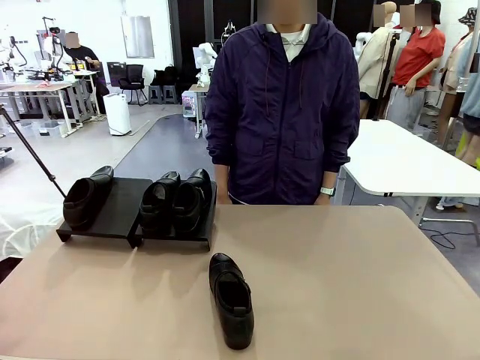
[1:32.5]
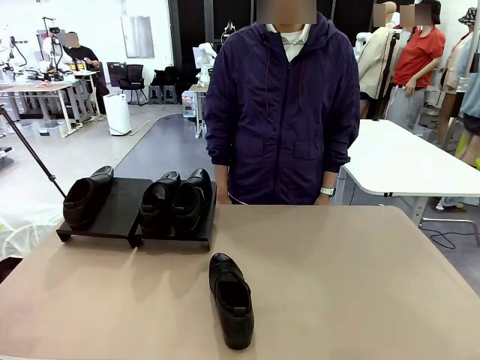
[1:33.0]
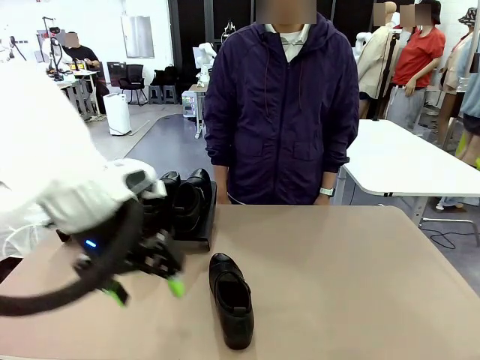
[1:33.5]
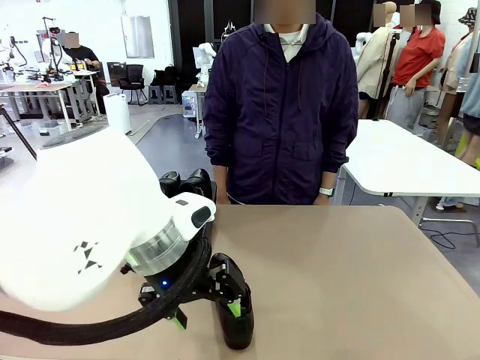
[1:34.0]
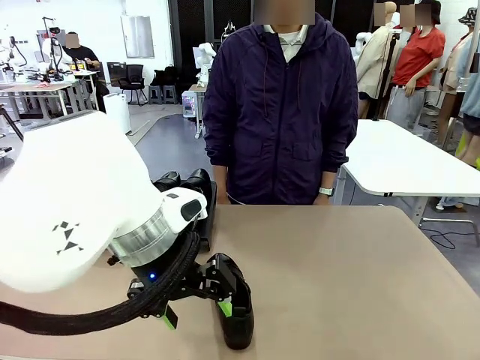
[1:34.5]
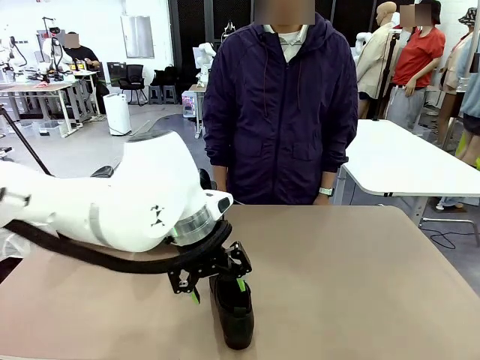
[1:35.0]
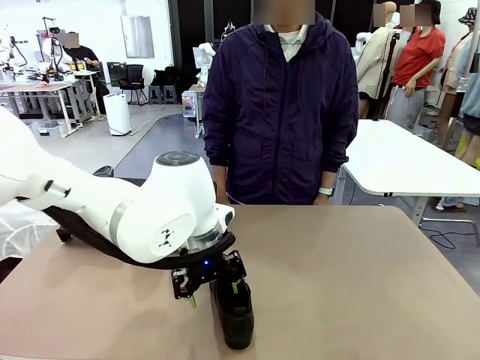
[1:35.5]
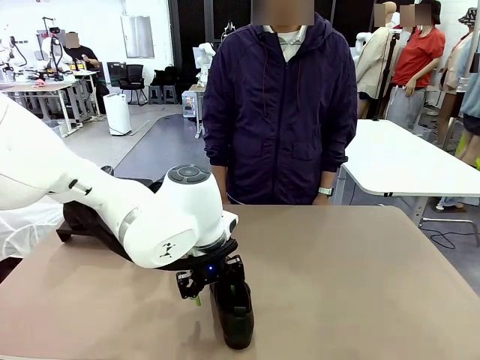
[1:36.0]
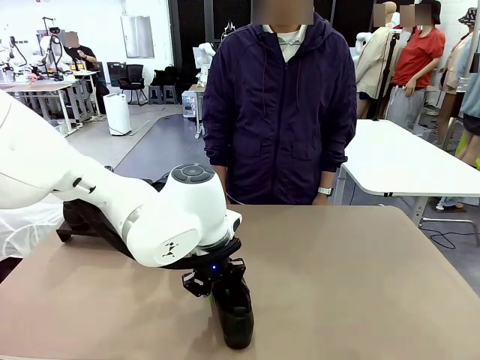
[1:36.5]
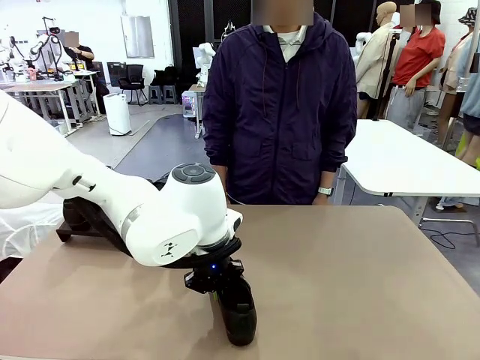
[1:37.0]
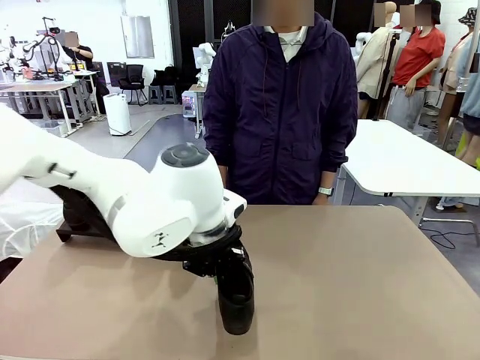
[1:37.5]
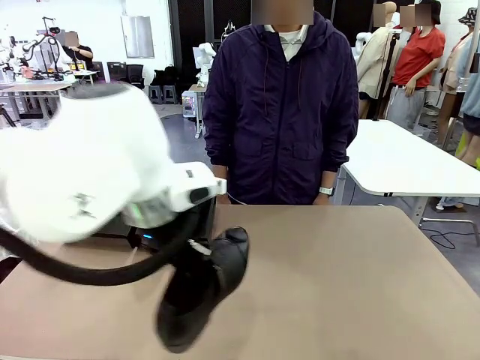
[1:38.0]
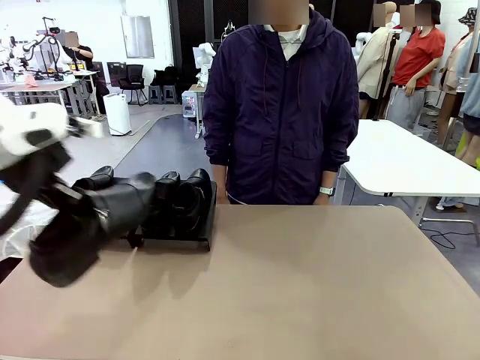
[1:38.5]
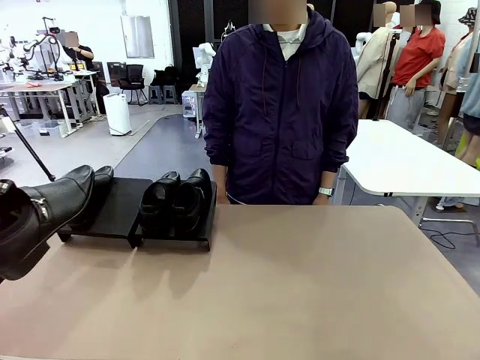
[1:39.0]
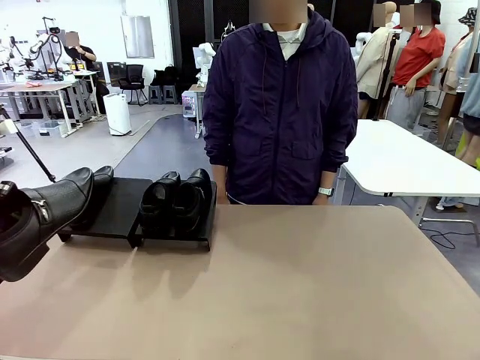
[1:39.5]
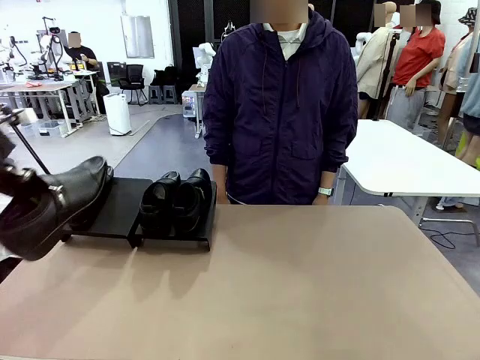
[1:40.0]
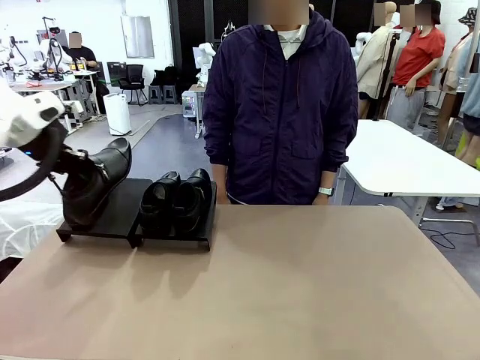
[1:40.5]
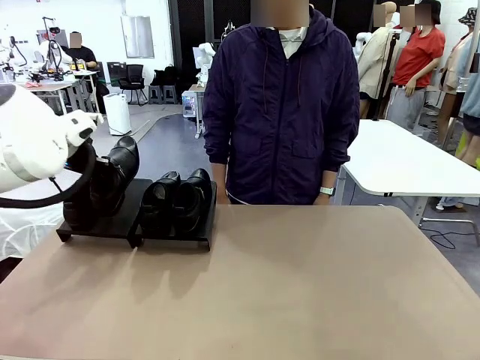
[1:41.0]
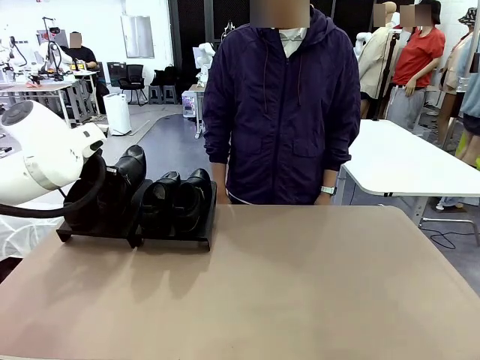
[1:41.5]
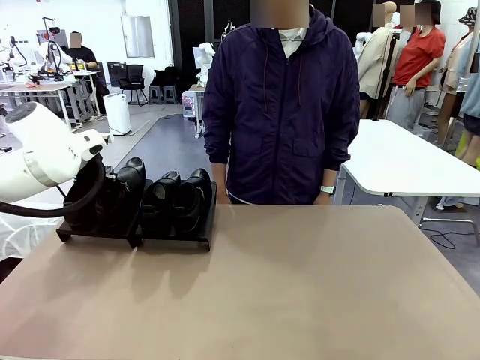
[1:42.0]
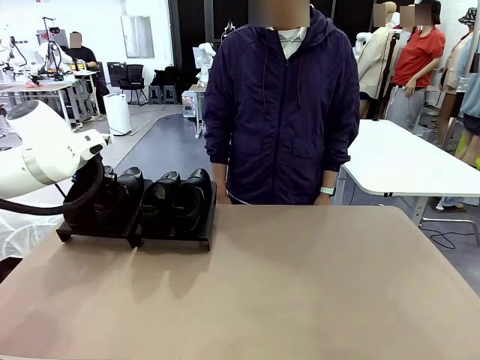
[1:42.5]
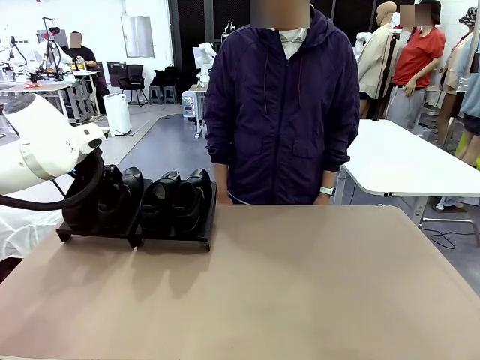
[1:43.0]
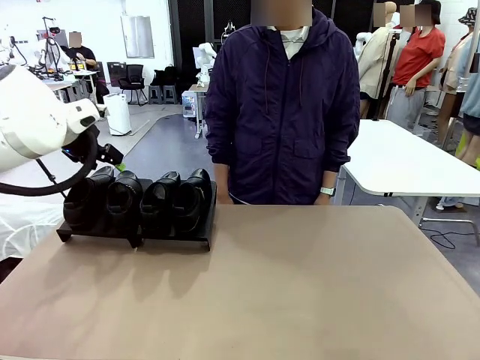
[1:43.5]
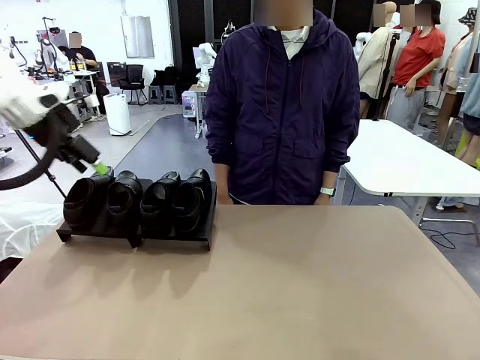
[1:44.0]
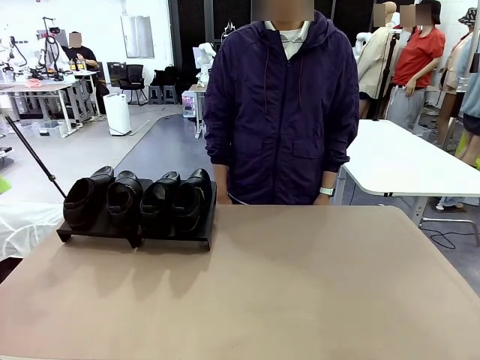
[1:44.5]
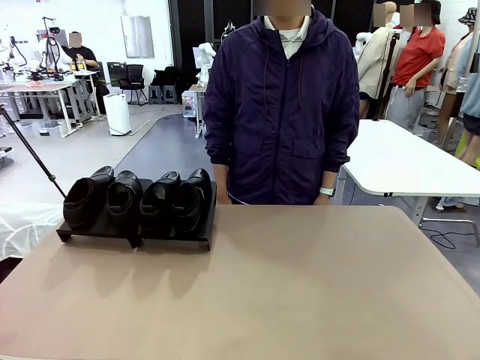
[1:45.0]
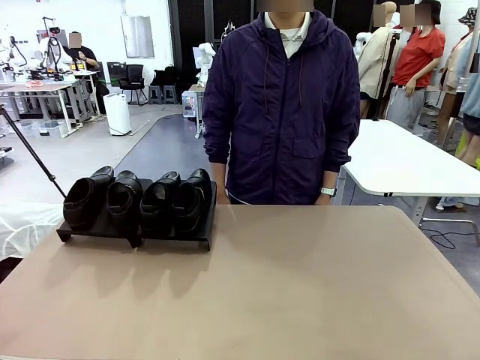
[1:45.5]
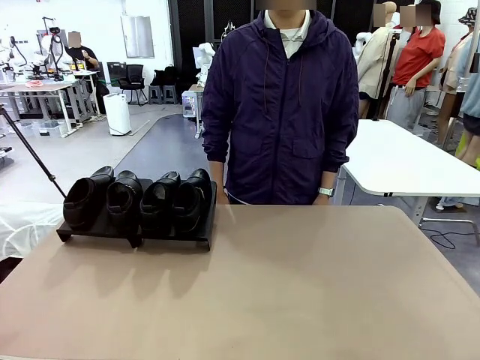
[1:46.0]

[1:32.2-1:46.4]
Task: Organize the shoes by placing them on the stand.
Robot: Place the Shoe from the middle of the table onto the Shoes Stand.

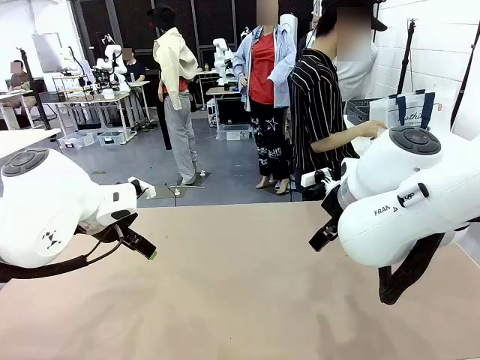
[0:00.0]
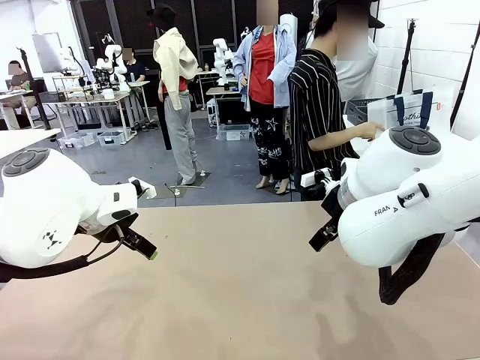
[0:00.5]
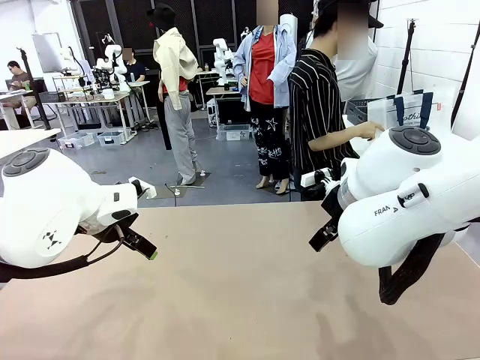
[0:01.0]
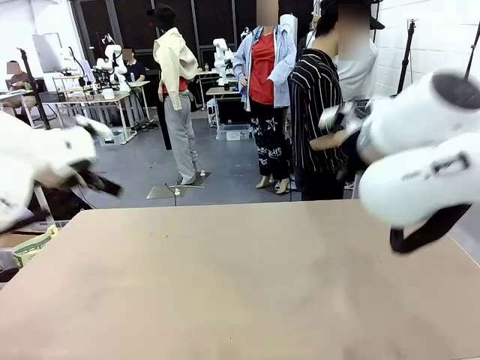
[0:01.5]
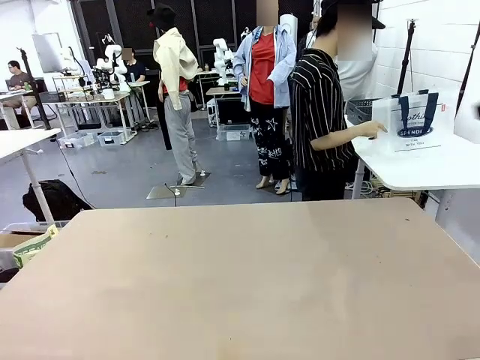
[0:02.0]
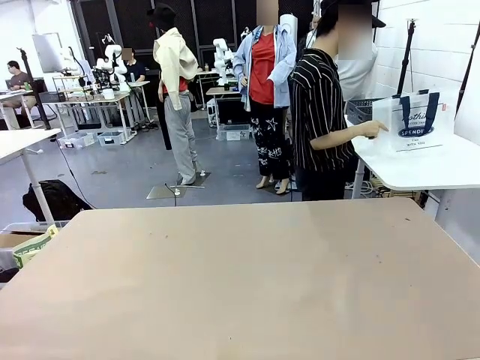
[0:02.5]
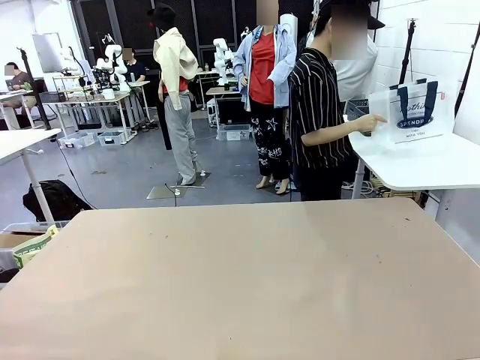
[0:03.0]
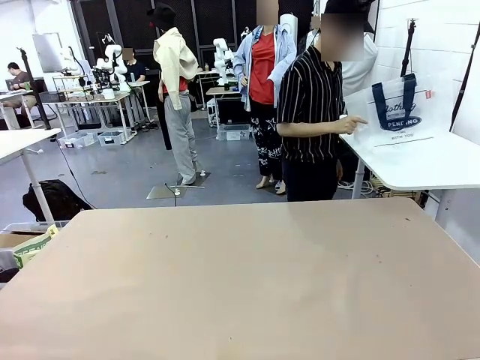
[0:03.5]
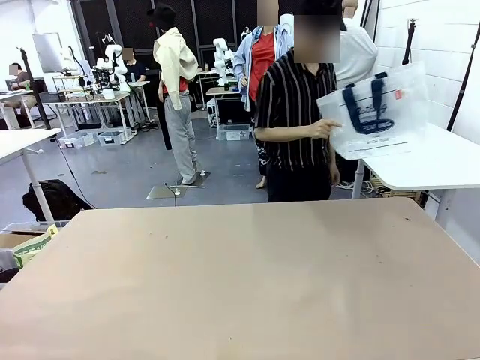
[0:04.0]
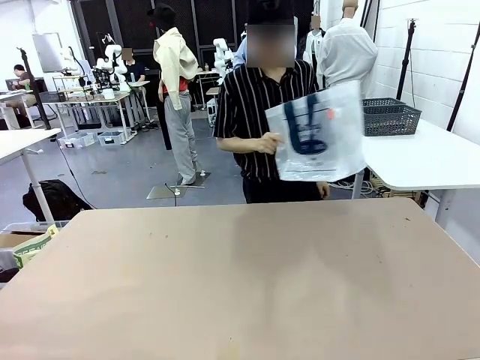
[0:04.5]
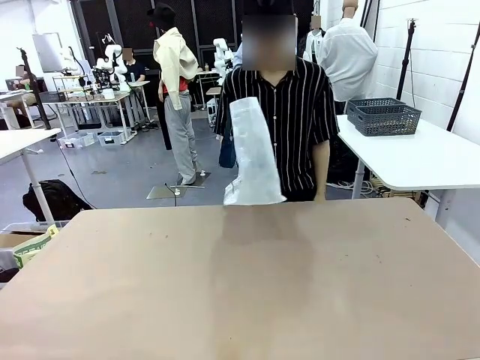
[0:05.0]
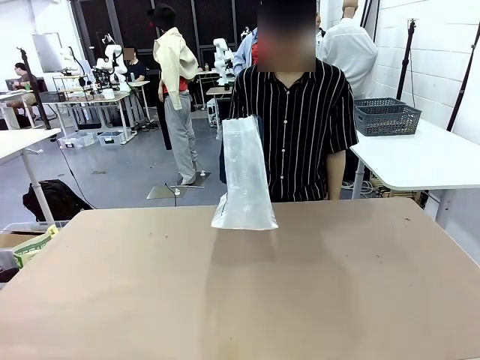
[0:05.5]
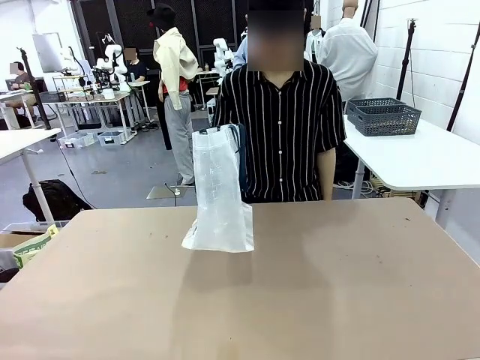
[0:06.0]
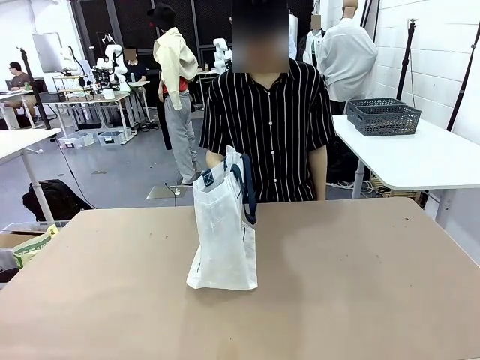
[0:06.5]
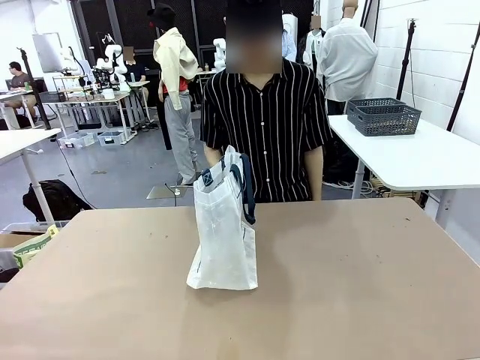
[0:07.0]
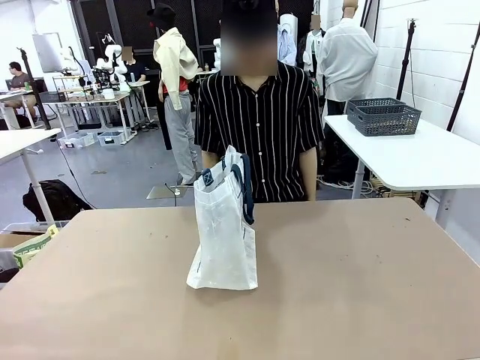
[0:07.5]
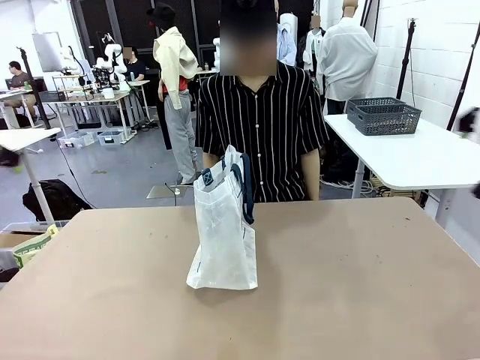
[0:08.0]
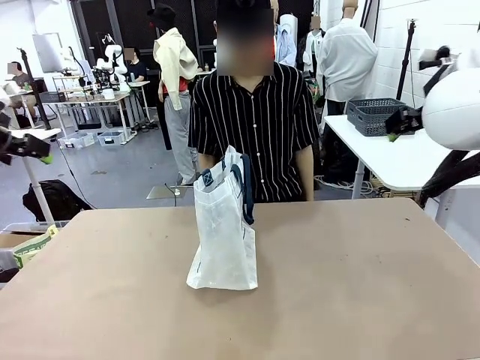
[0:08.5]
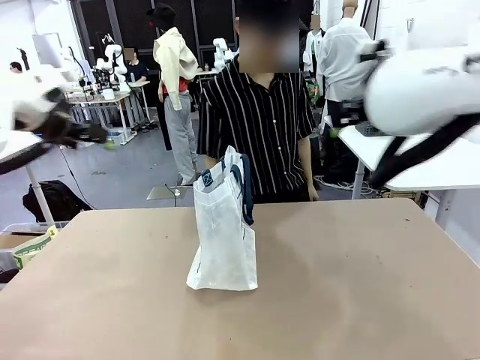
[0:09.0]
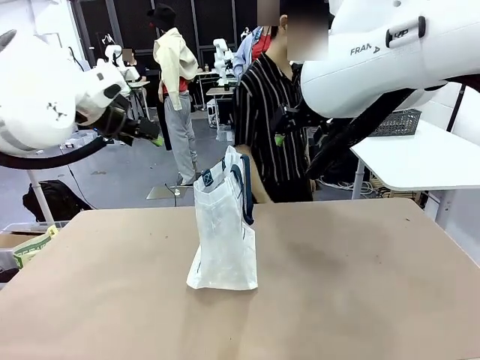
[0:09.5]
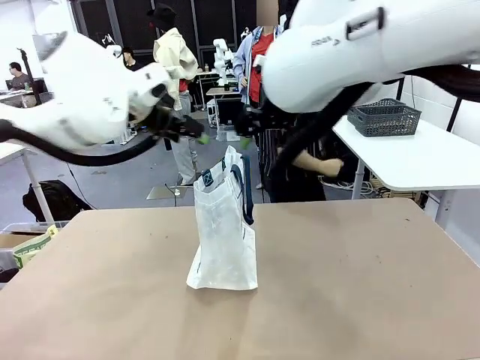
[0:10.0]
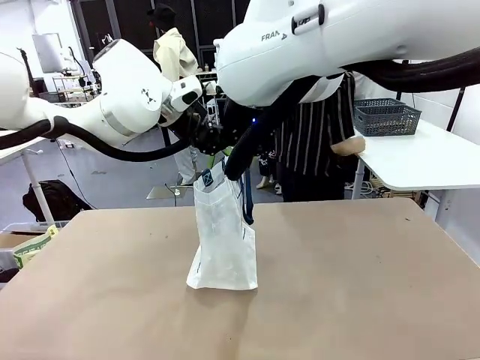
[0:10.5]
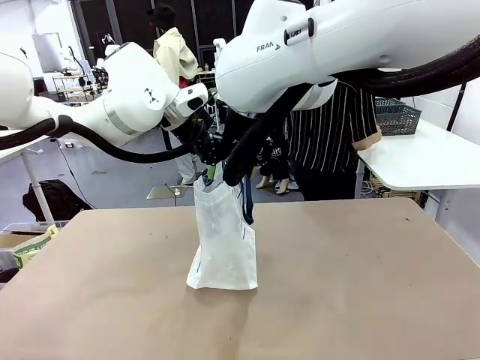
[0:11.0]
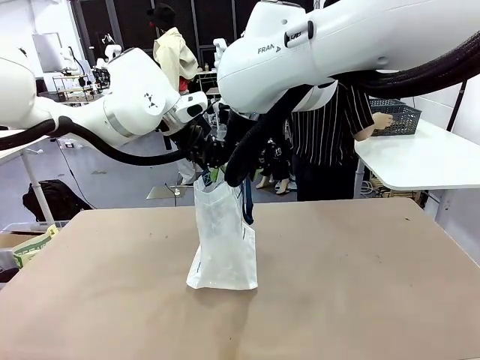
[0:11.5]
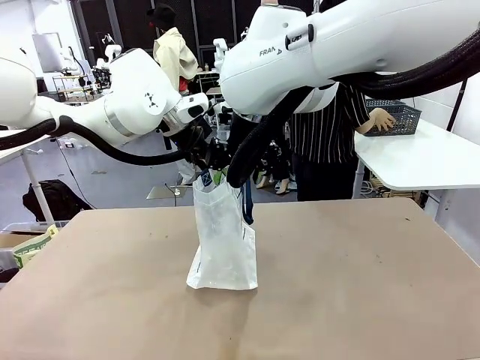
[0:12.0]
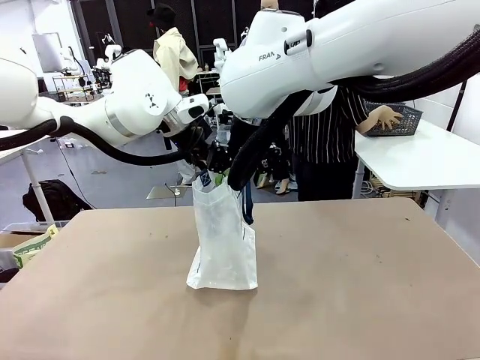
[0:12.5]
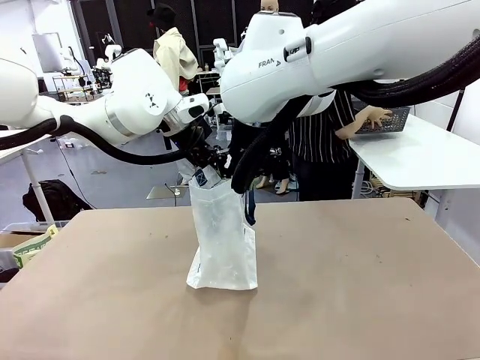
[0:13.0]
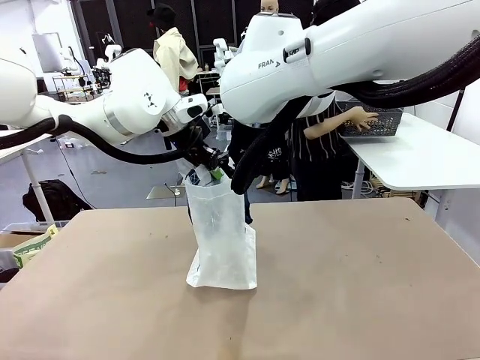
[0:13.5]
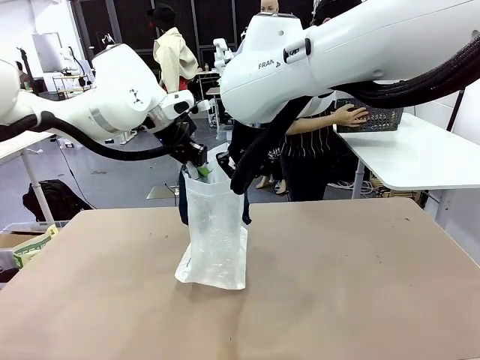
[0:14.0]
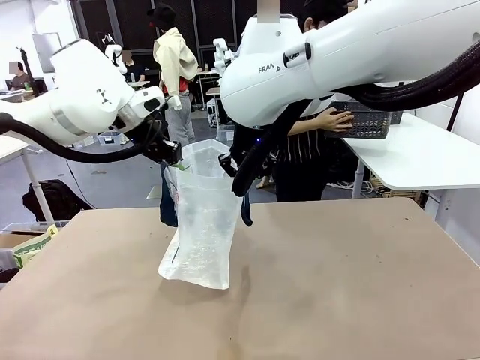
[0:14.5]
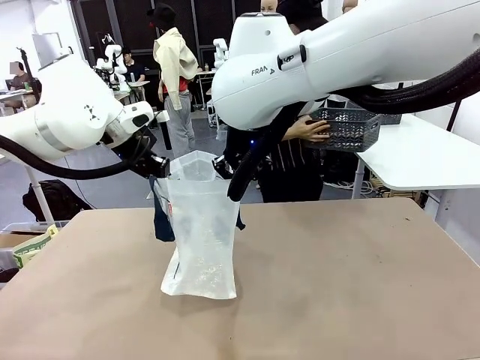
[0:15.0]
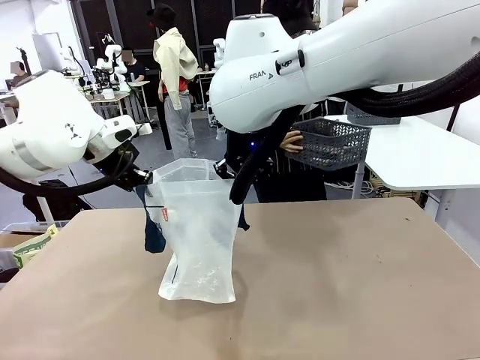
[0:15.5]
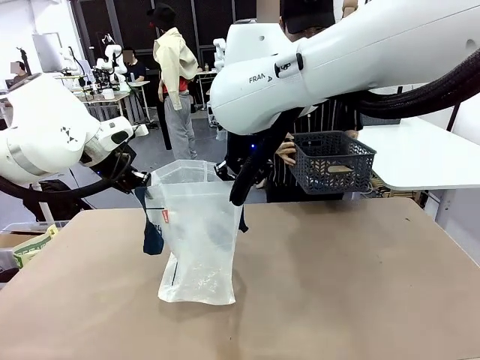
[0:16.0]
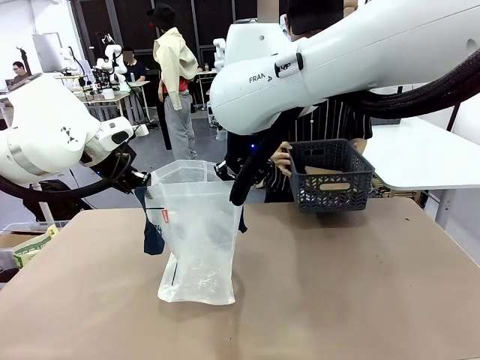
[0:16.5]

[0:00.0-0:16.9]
Task: Transfer purchased items from the store into the shopping bag.
Robot: Open the Reusable shopping bag in the center of the table.
Person: Pick up the shopping bag and place it in the middle of the robot table.
